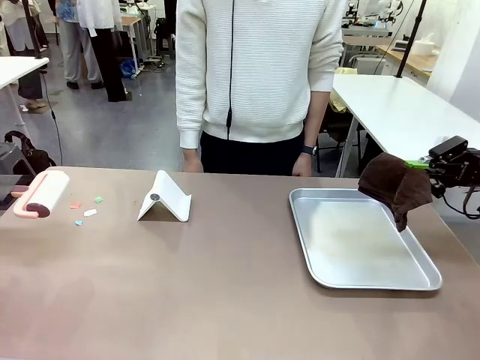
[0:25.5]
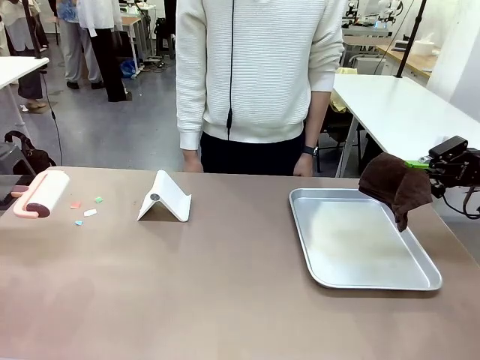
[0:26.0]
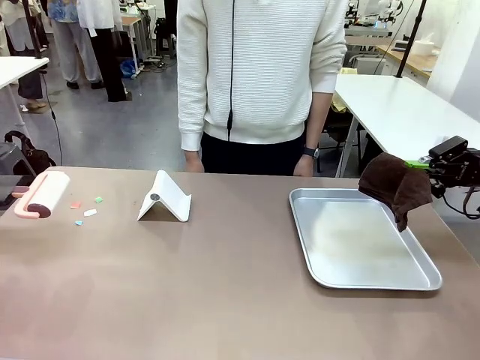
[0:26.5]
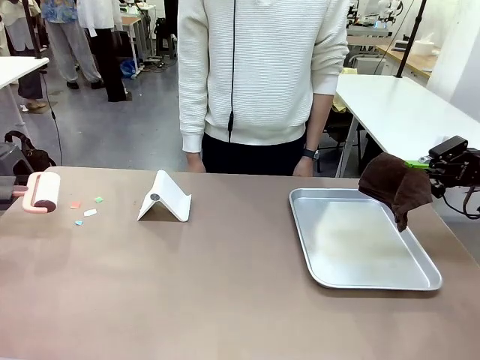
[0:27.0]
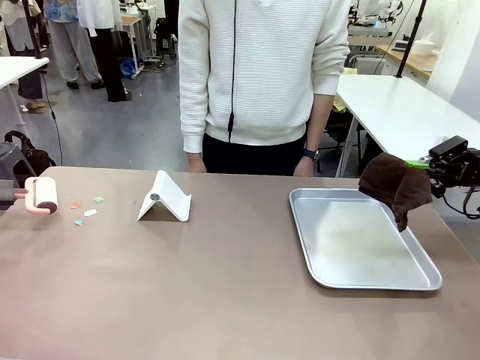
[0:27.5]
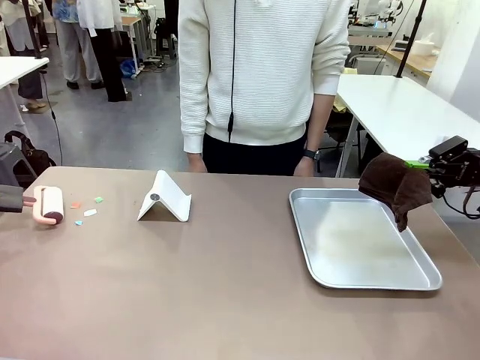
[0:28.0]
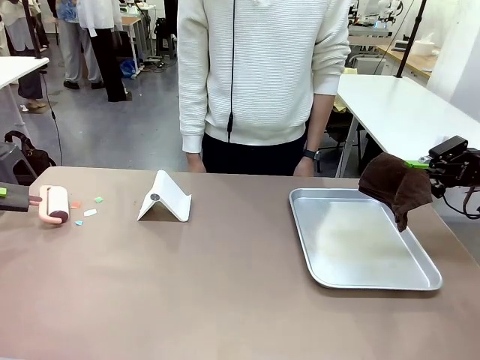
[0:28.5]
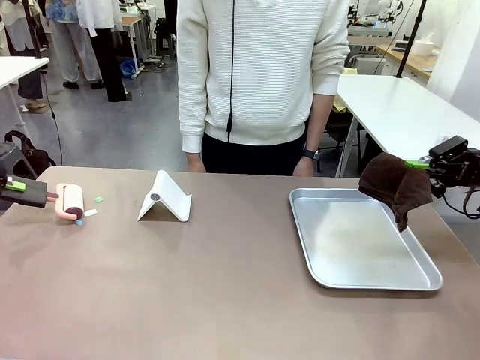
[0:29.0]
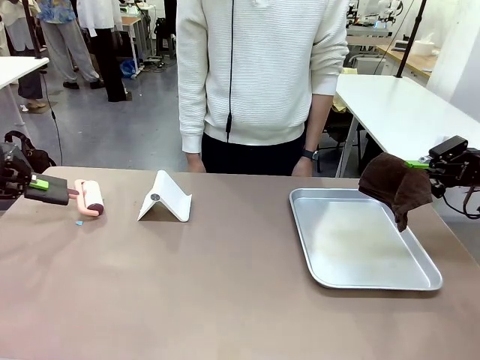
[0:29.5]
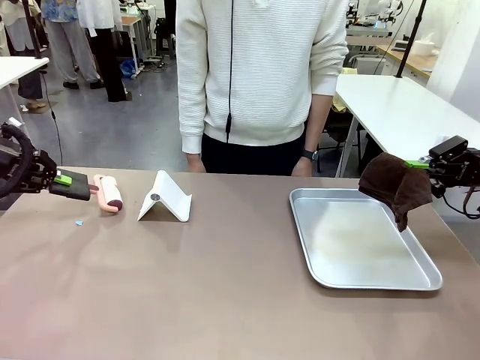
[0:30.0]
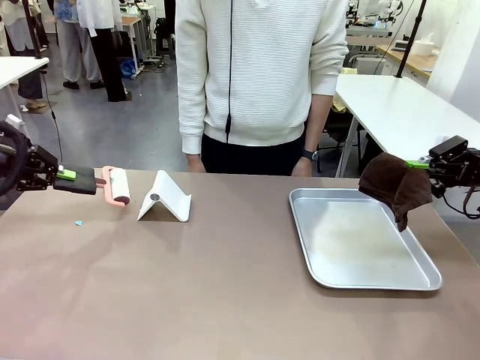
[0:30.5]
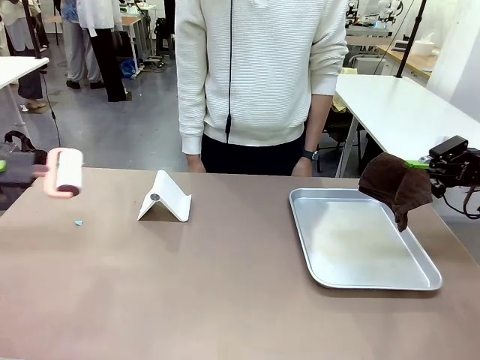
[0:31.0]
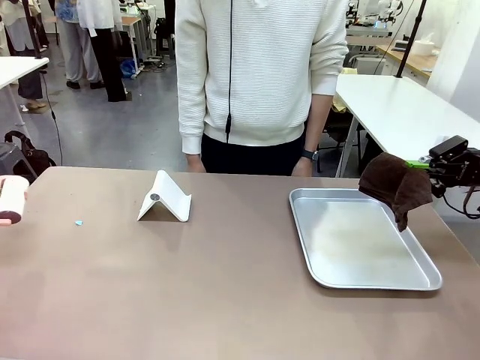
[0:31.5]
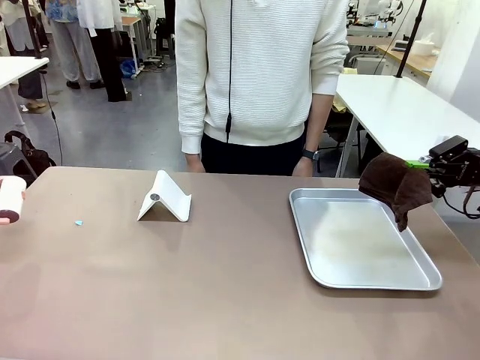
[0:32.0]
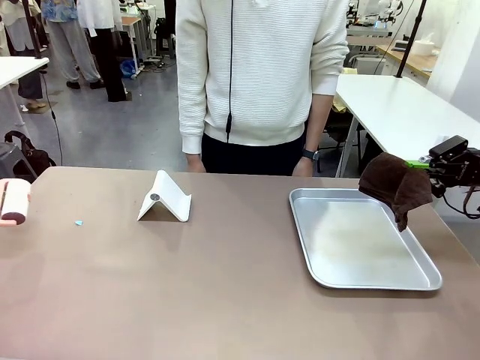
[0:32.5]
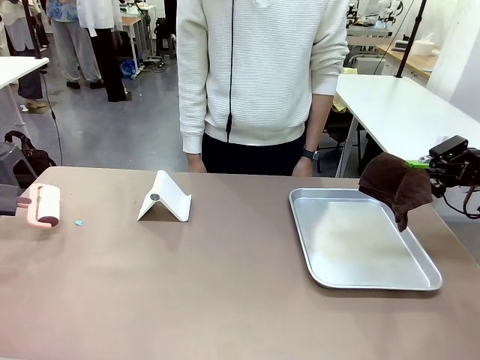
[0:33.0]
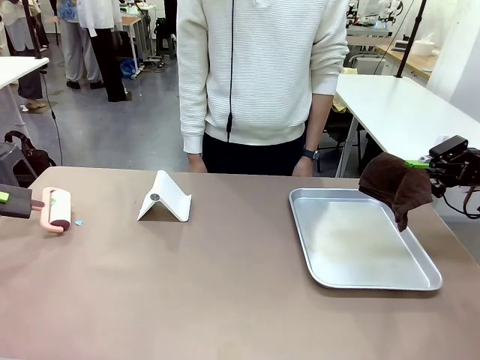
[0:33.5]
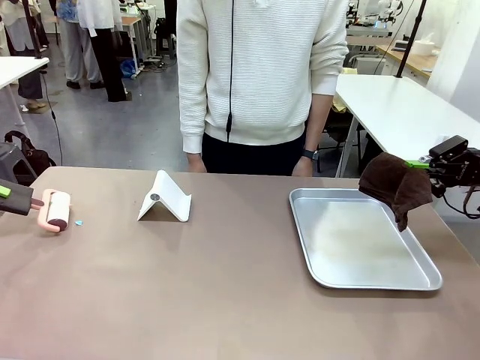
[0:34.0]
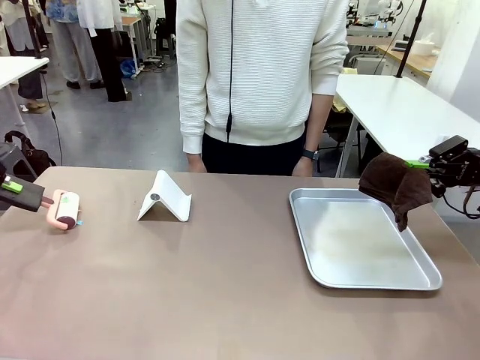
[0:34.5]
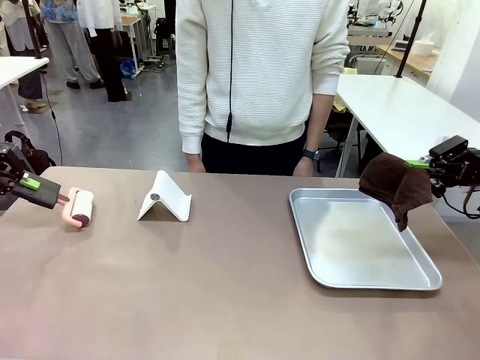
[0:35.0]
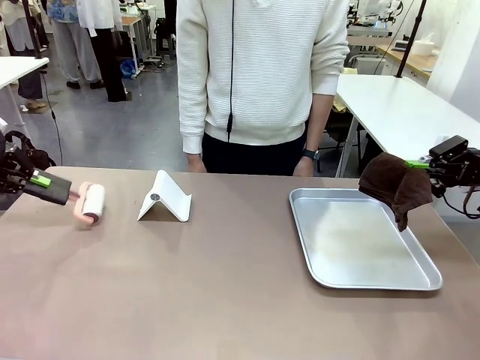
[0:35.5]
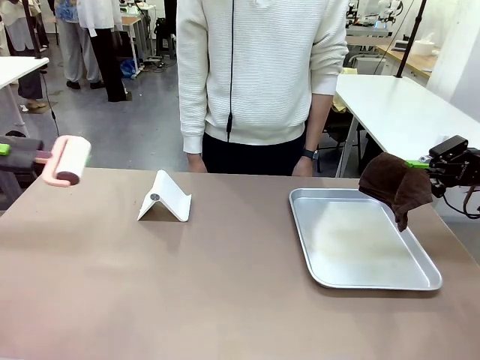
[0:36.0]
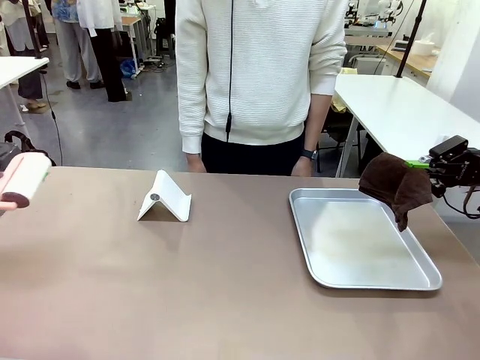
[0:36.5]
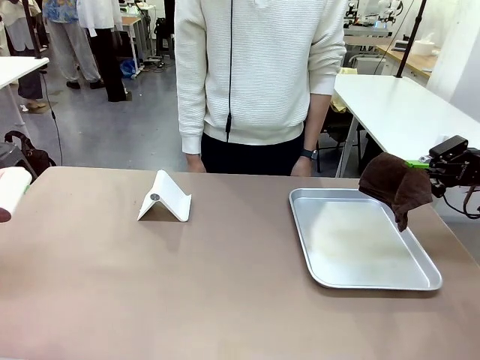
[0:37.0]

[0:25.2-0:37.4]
Task: Clean the surface of the table.
Robot: Clean the area not pointed to by the person.

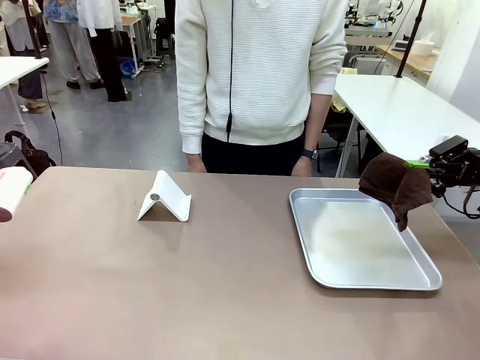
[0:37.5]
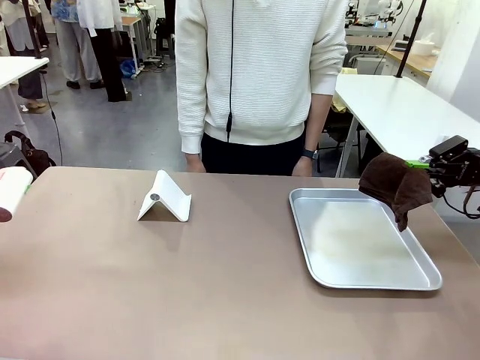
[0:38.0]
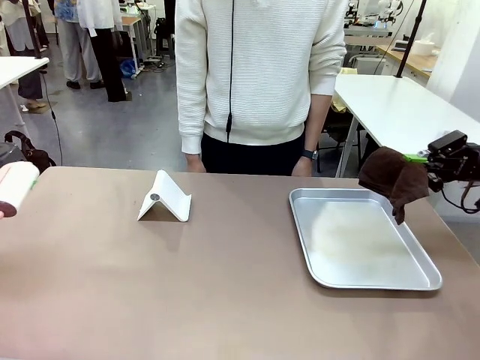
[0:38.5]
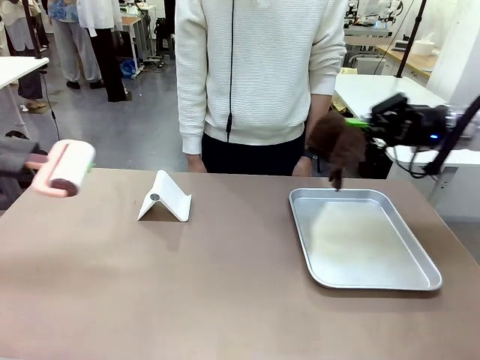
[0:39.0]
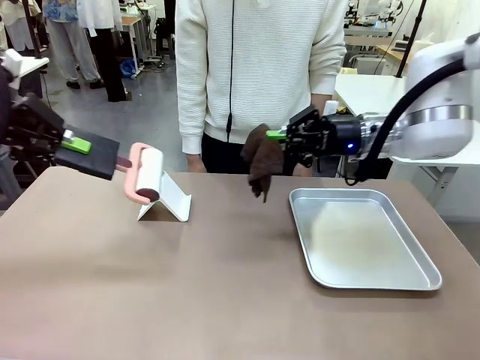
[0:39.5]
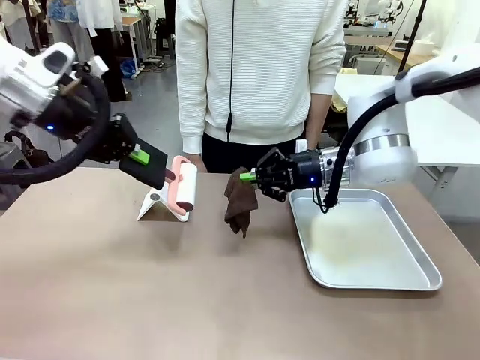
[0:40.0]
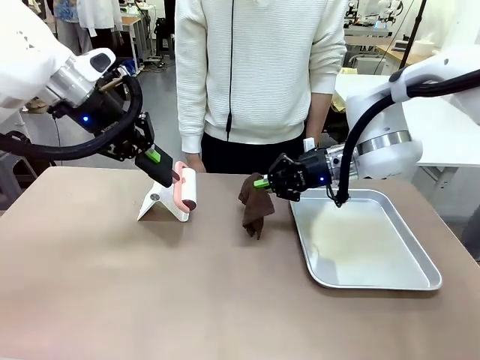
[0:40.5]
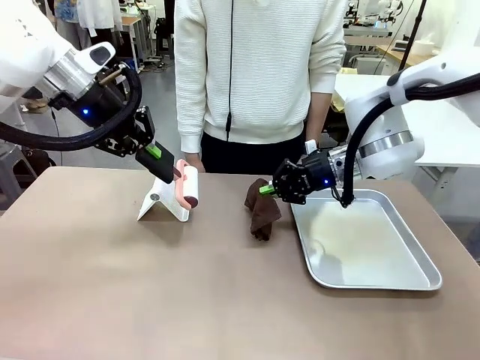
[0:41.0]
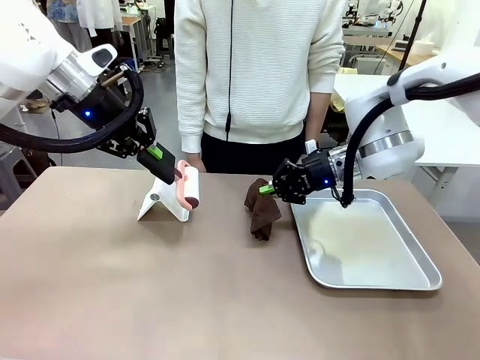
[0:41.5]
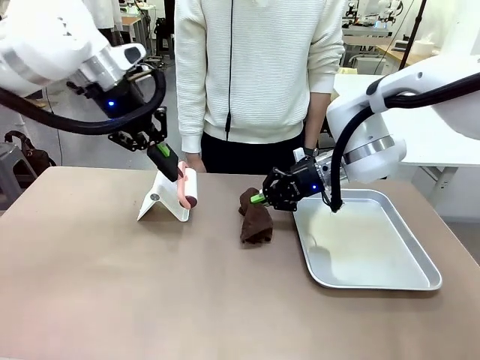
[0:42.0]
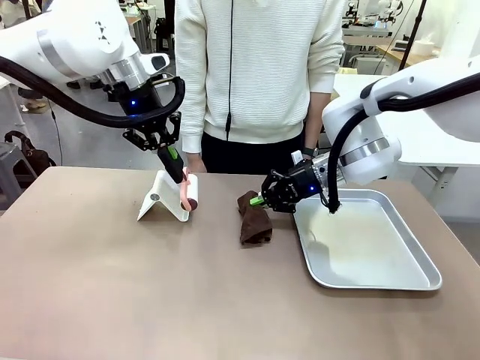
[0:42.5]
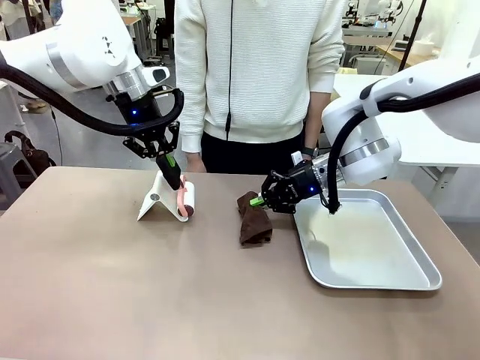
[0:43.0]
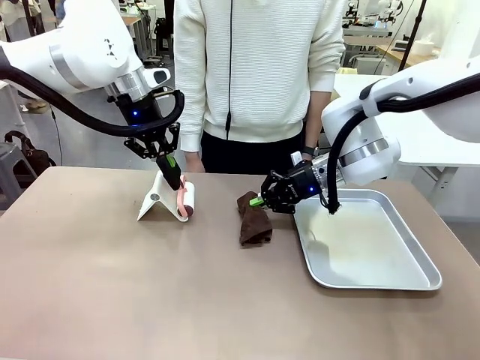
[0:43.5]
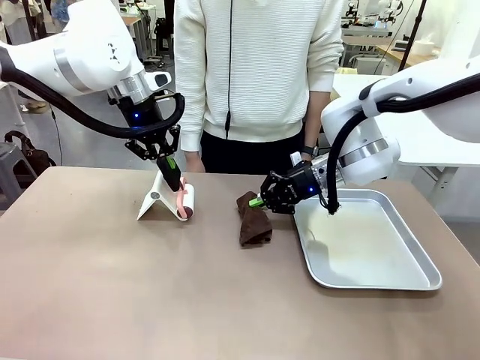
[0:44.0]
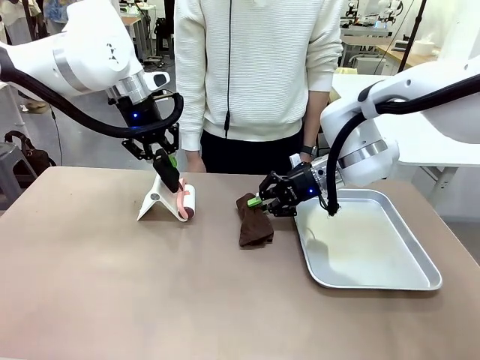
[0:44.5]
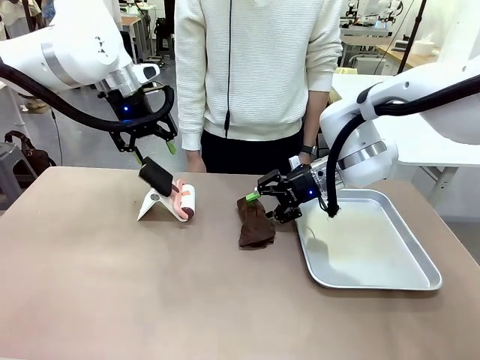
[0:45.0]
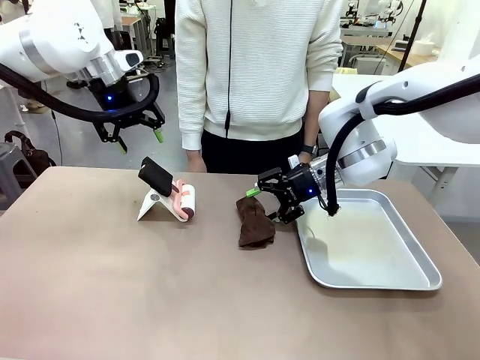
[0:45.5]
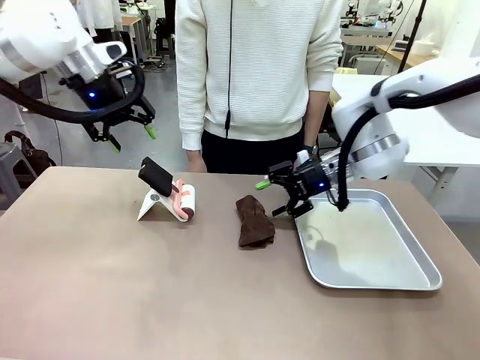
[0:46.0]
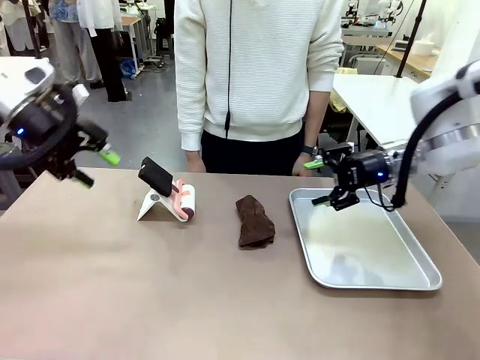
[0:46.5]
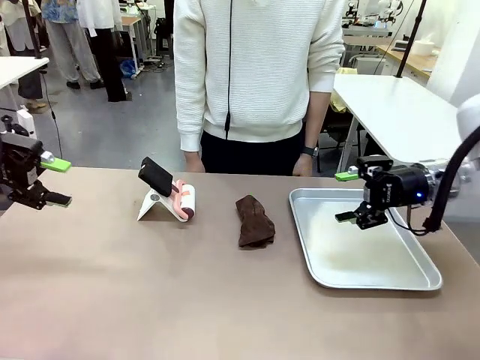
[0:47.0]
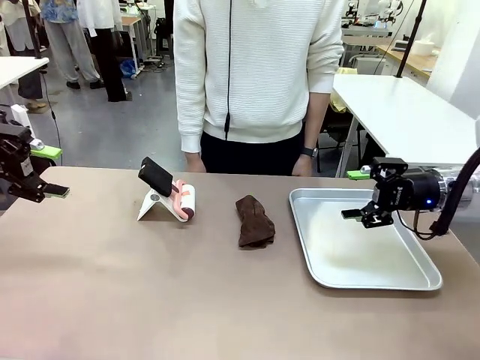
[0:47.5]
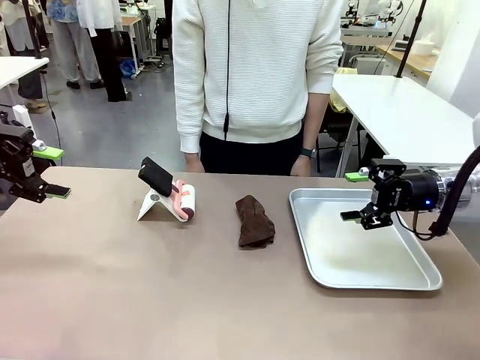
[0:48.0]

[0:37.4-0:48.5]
Robot: Return the Lint Roller and towel to their original positions.
